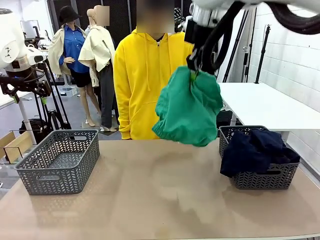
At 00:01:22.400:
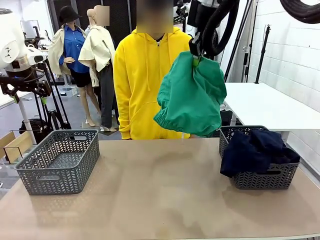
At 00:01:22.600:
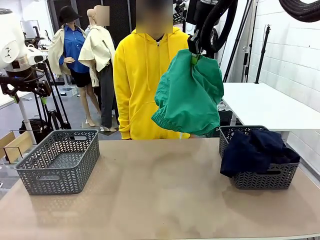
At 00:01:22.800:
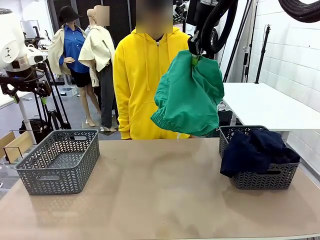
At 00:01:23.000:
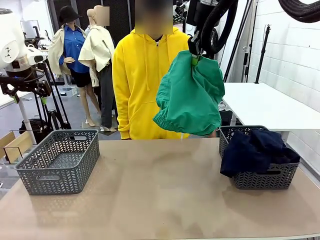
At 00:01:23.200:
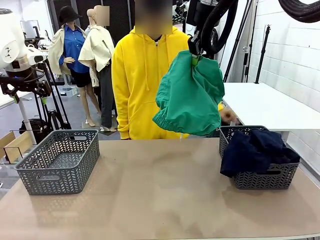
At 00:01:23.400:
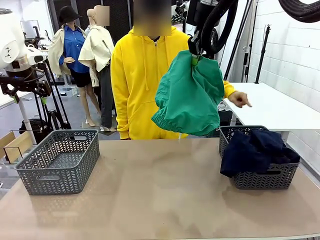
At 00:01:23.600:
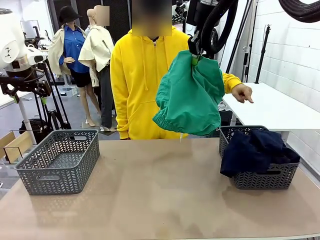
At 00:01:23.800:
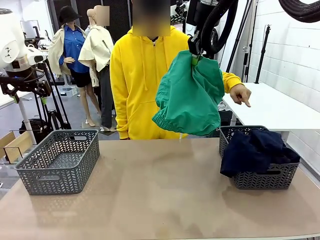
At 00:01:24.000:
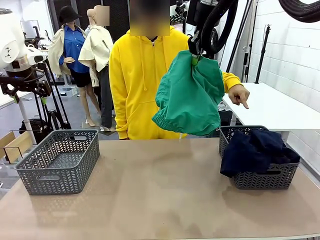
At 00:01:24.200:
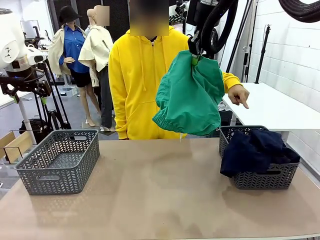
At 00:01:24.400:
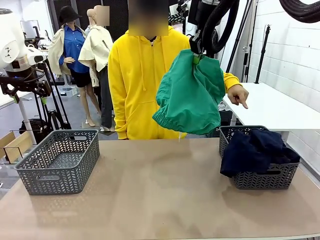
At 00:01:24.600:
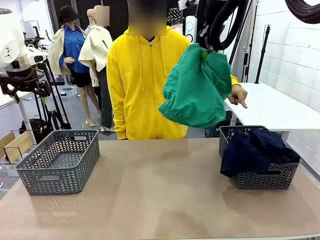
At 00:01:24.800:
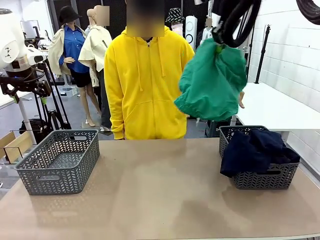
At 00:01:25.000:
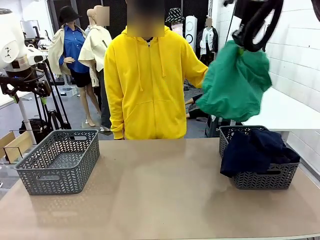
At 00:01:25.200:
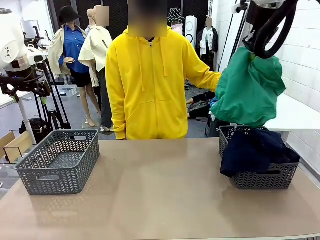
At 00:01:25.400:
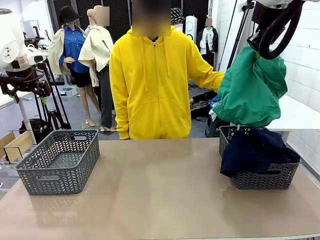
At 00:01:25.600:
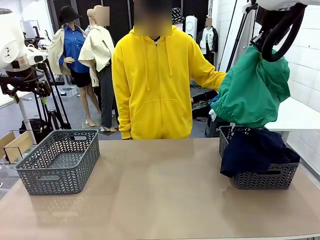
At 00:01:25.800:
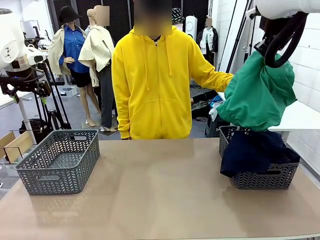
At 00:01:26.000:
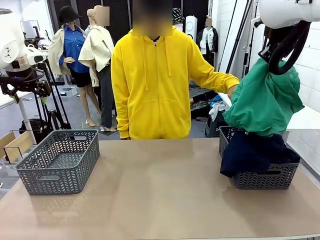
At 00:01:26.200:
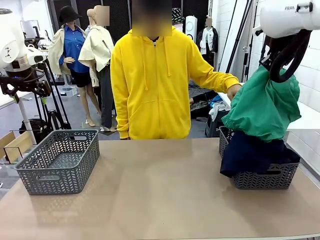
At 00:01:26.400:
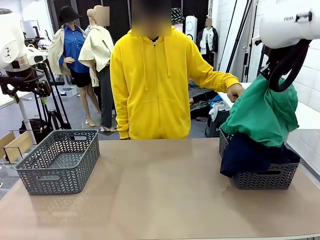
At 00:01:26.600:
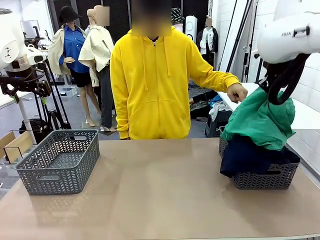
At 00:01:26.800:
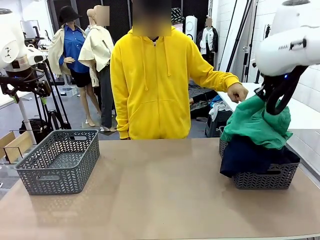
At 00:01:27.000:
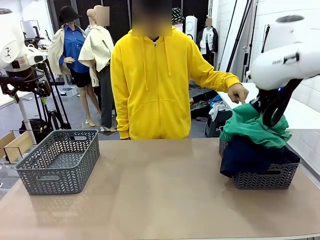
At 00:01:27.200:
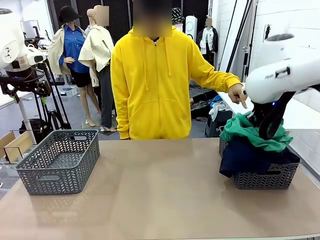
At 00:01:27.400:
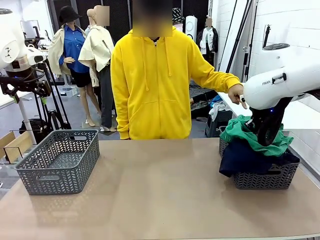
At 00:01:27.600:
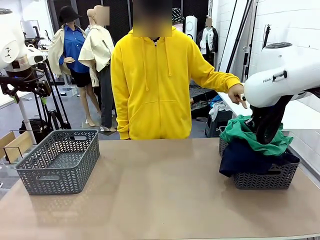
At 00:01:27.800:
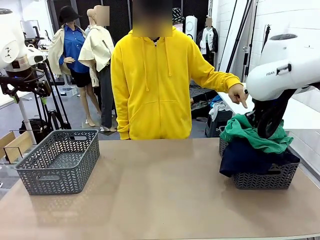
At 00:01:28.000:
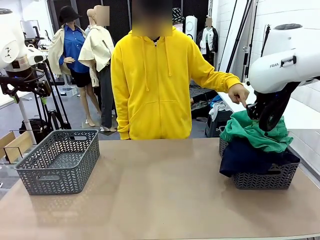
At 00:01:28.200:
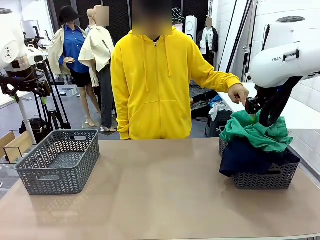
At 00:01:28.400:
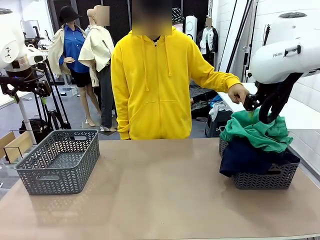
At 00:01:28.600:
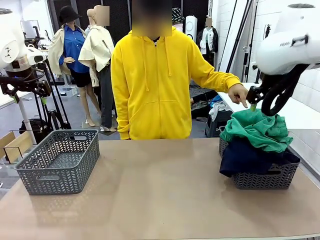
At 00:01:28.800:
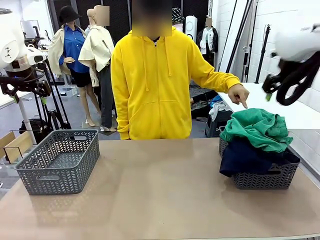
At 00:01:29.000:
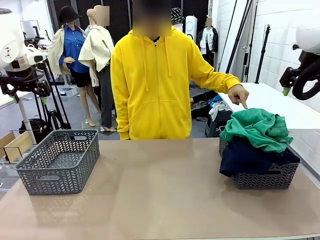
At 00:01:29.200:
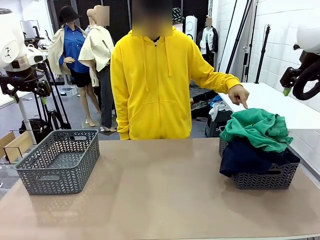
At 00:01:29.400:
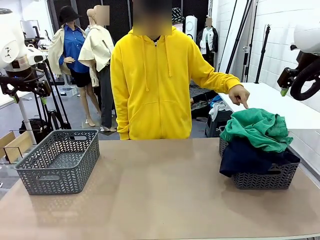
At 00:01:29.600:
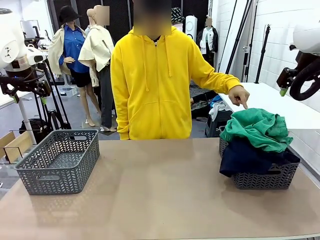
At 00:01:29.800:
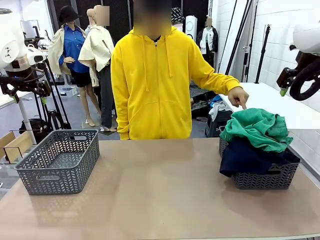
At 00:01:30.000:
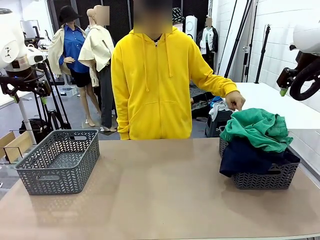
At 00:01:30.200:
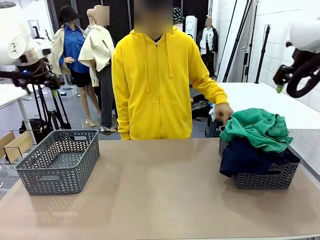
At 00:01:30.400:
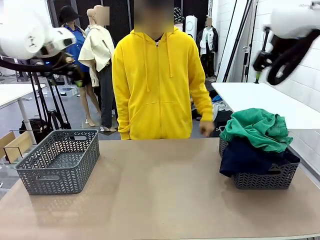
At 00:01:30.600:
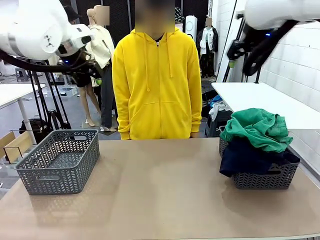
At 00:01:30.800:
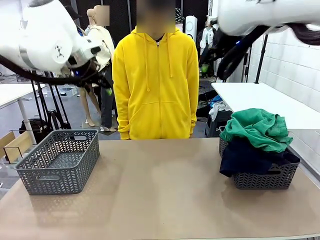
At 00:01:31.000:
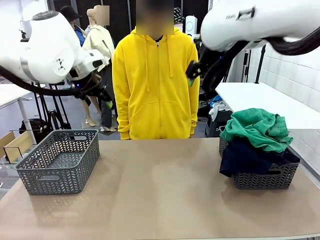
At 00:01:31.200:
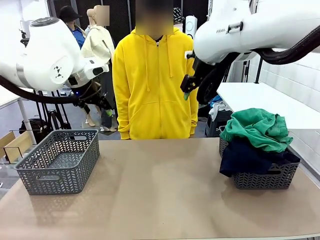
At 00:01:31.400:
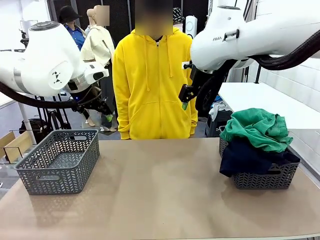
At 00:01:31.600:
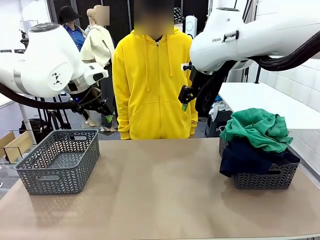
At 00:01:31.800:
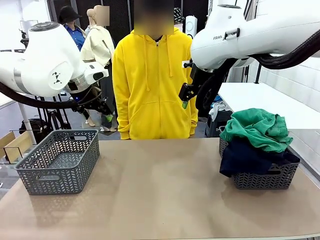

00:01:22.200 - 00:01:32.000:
Task: Sort the tops and bottoms.
Robot: Sort the clothes according to human instructions.
